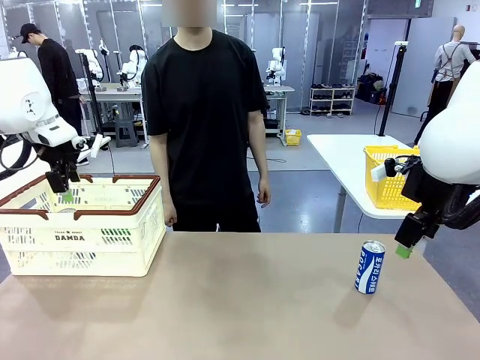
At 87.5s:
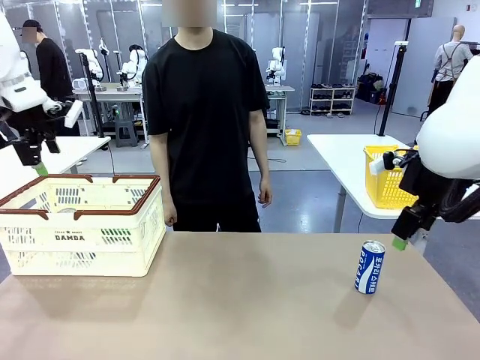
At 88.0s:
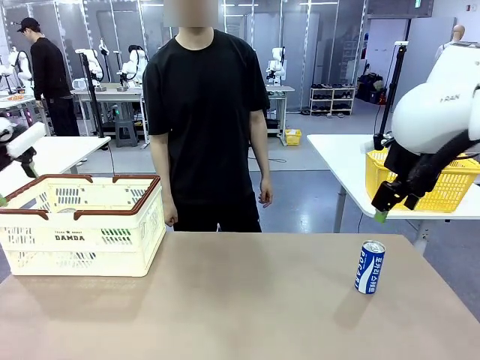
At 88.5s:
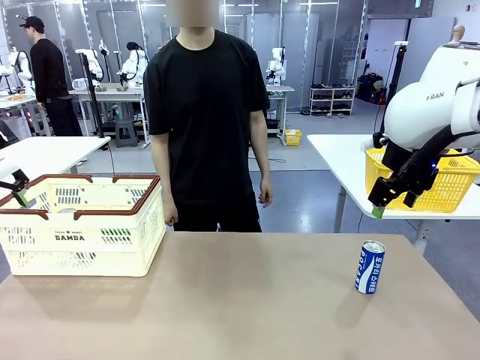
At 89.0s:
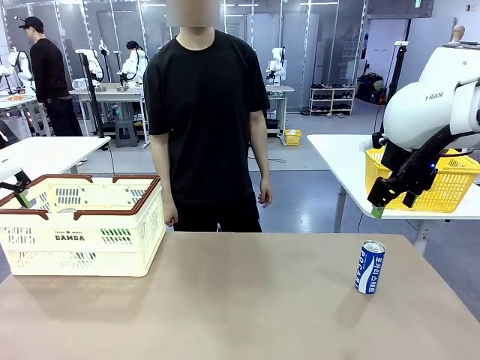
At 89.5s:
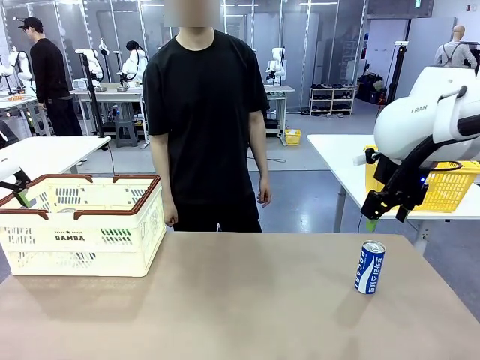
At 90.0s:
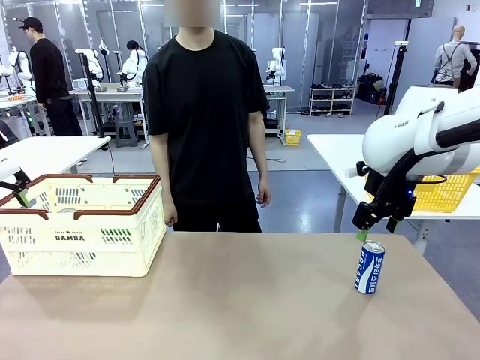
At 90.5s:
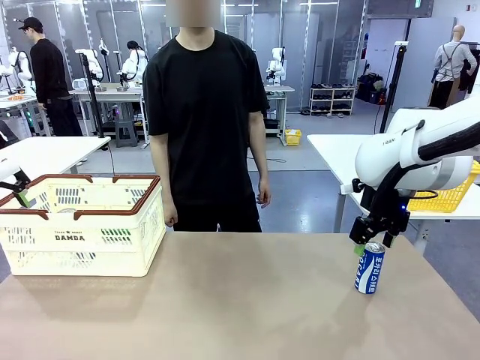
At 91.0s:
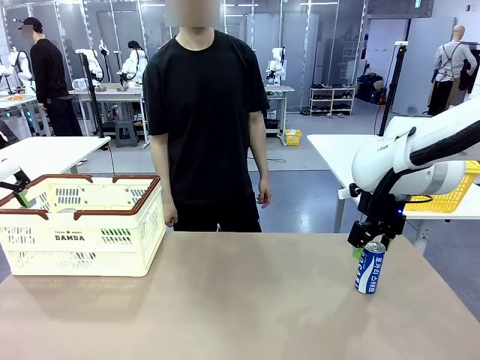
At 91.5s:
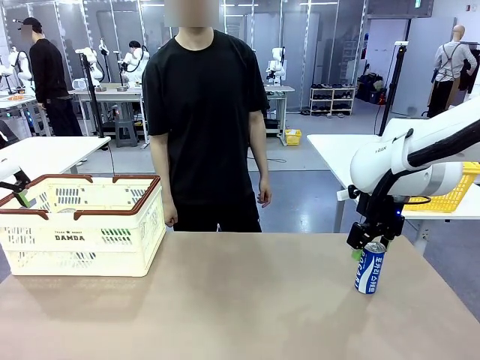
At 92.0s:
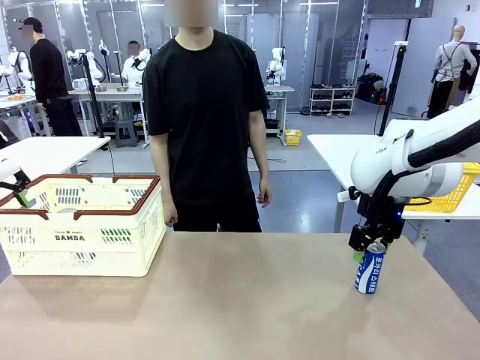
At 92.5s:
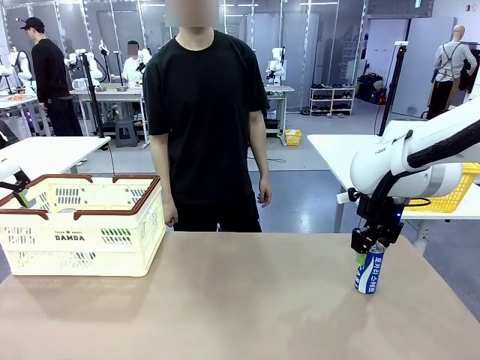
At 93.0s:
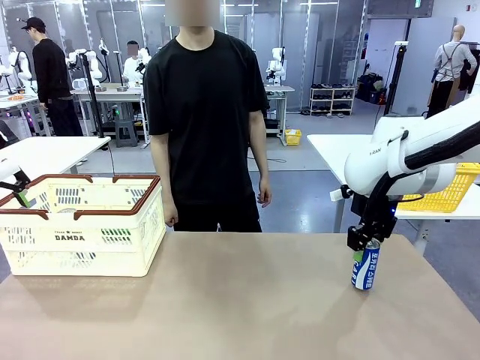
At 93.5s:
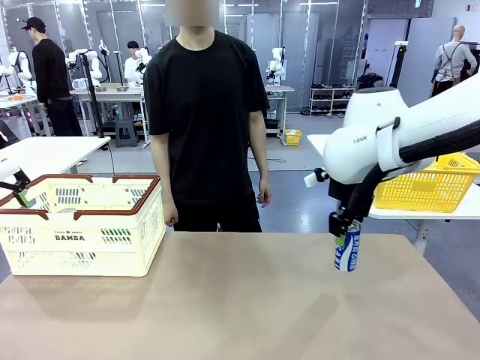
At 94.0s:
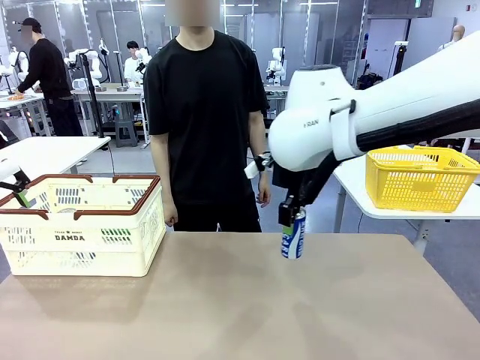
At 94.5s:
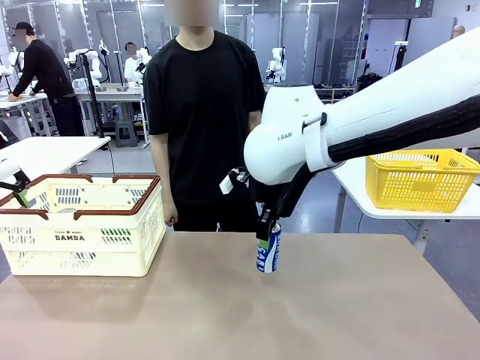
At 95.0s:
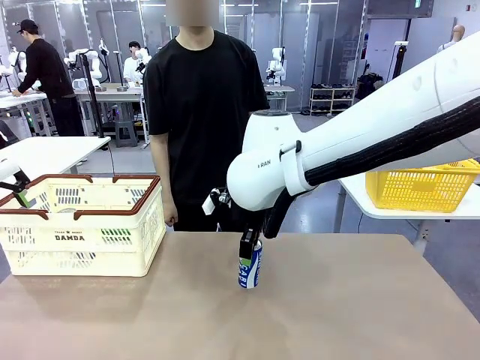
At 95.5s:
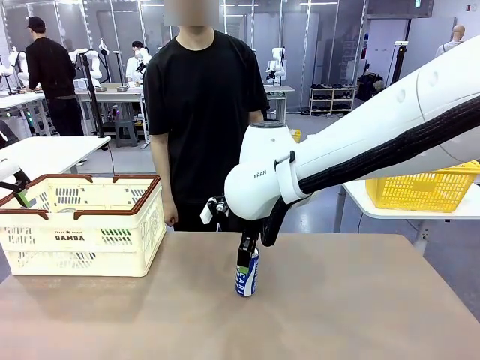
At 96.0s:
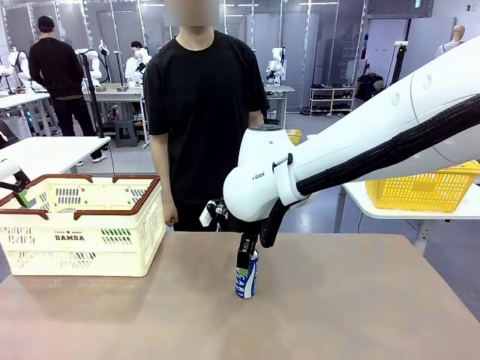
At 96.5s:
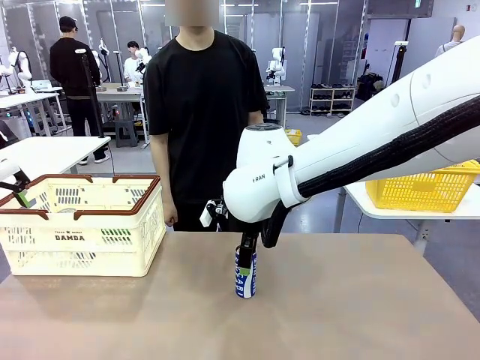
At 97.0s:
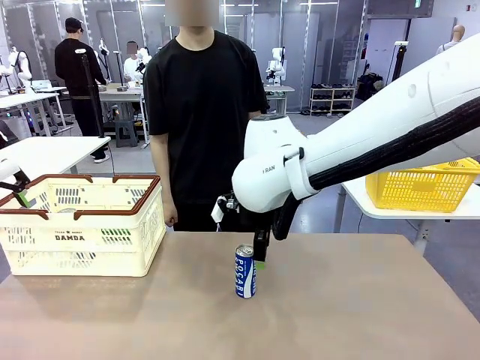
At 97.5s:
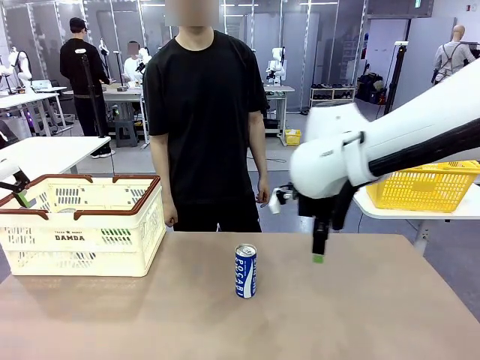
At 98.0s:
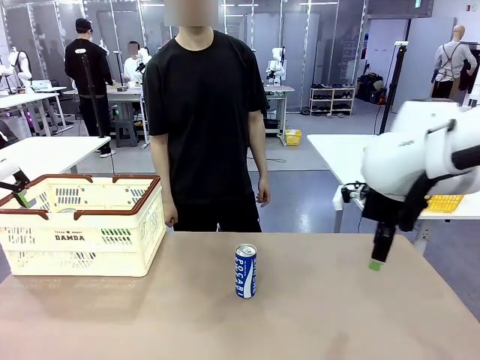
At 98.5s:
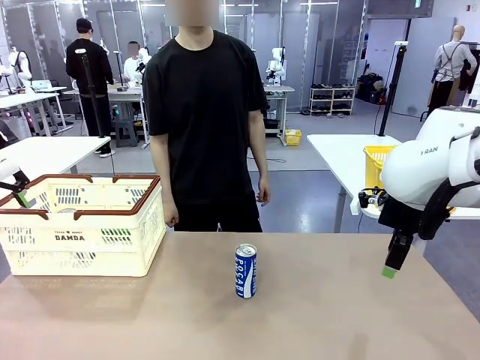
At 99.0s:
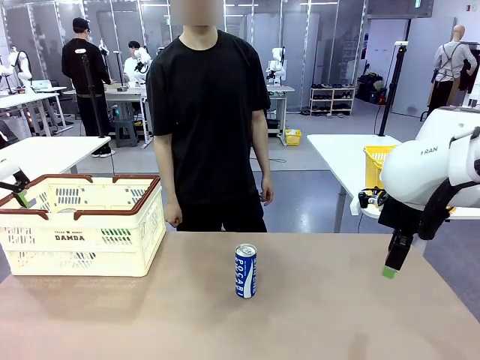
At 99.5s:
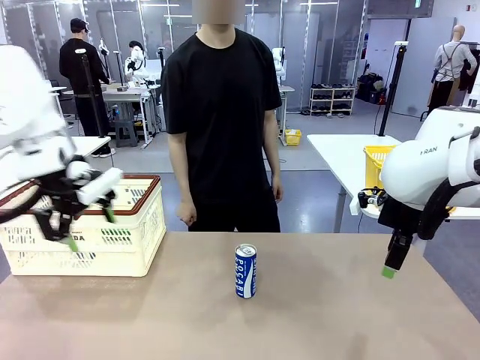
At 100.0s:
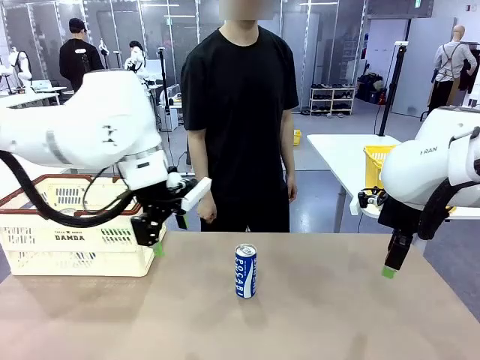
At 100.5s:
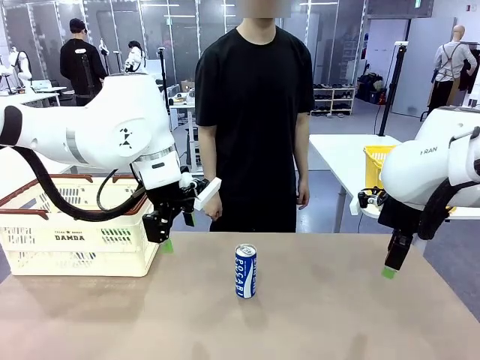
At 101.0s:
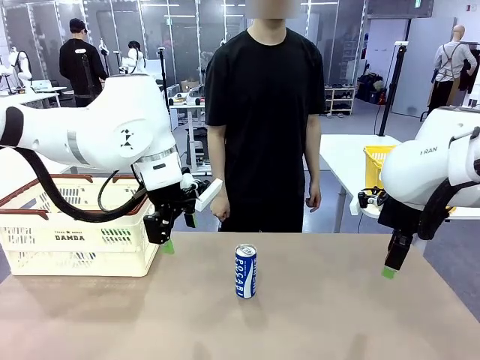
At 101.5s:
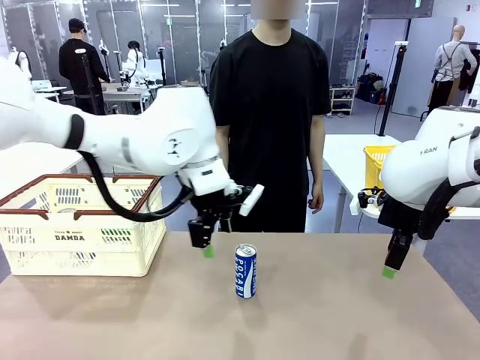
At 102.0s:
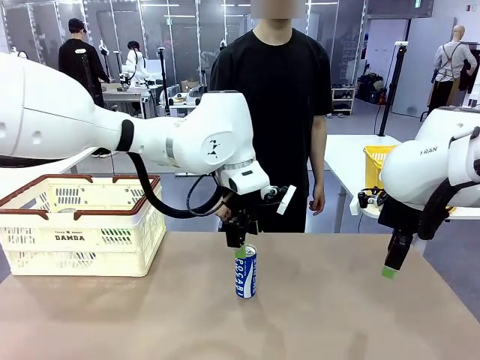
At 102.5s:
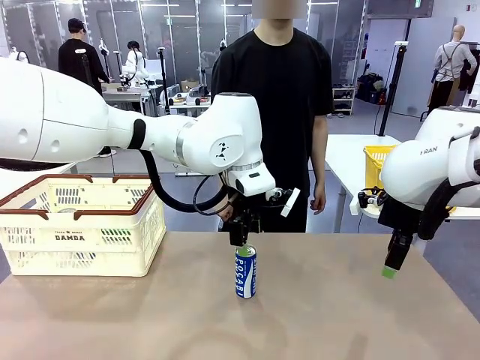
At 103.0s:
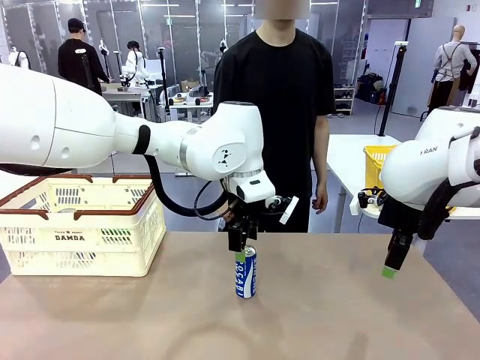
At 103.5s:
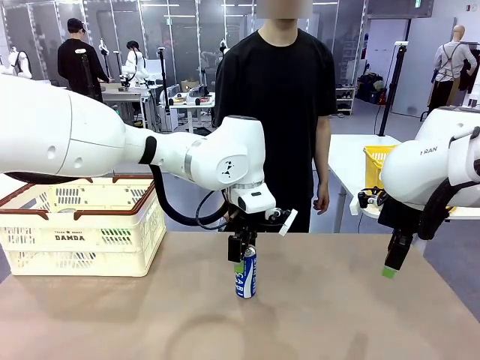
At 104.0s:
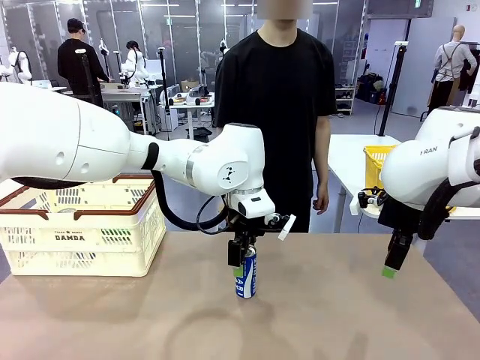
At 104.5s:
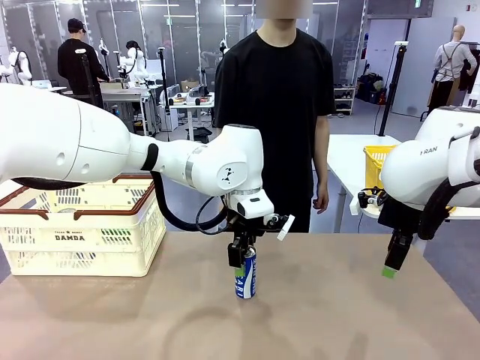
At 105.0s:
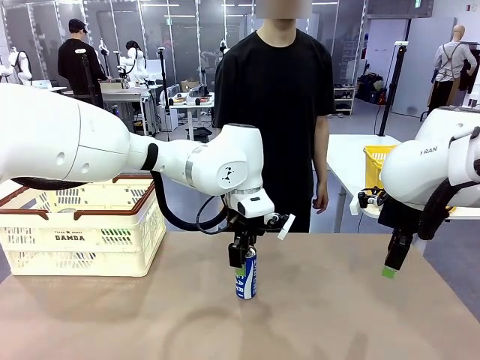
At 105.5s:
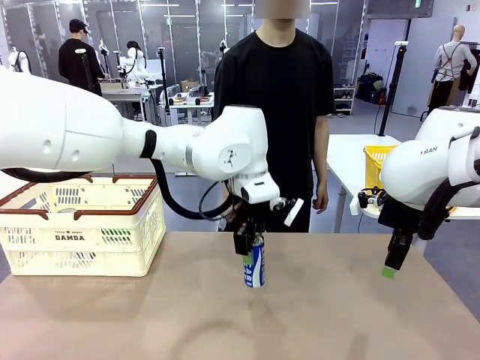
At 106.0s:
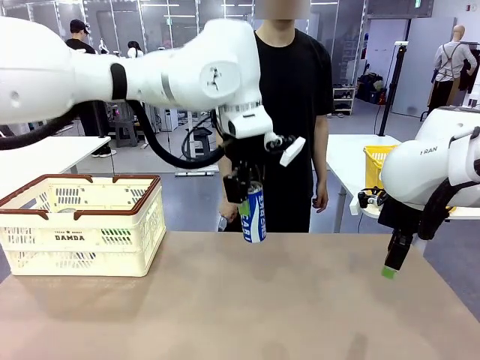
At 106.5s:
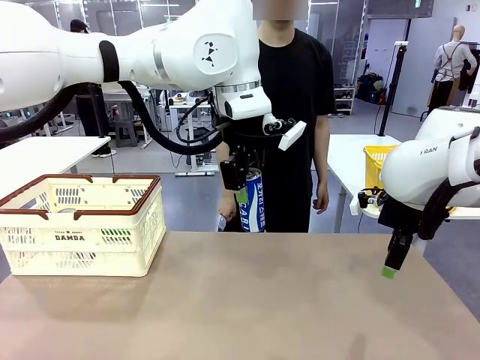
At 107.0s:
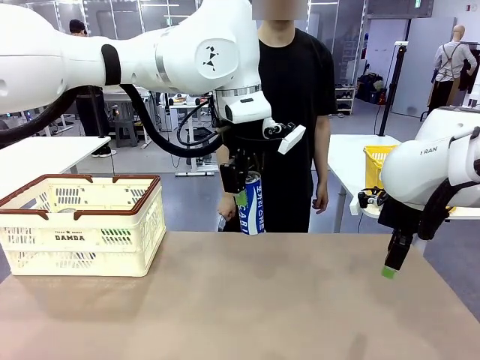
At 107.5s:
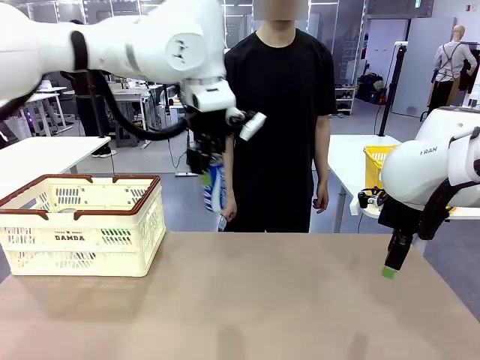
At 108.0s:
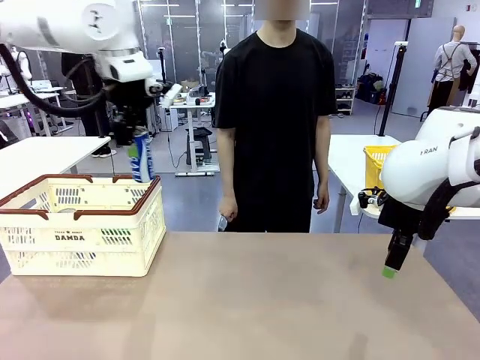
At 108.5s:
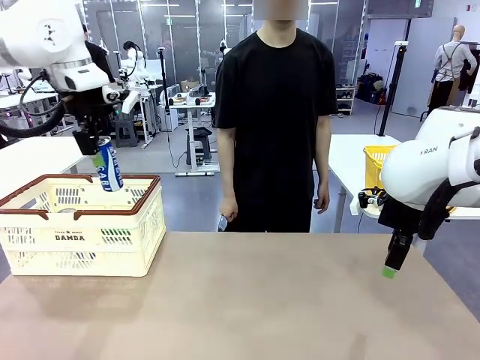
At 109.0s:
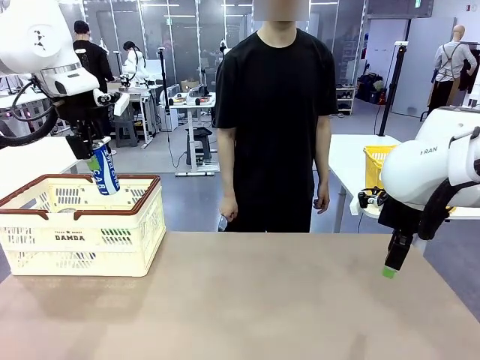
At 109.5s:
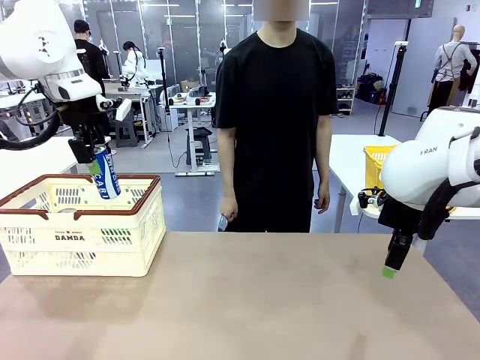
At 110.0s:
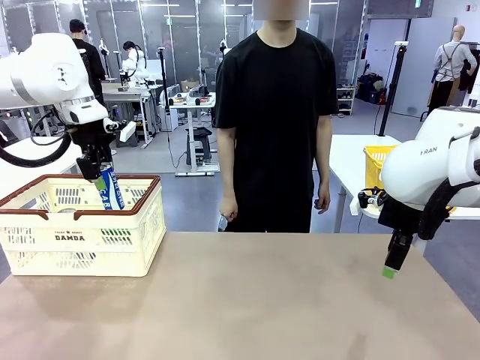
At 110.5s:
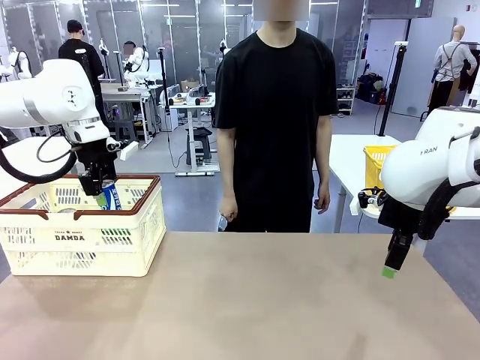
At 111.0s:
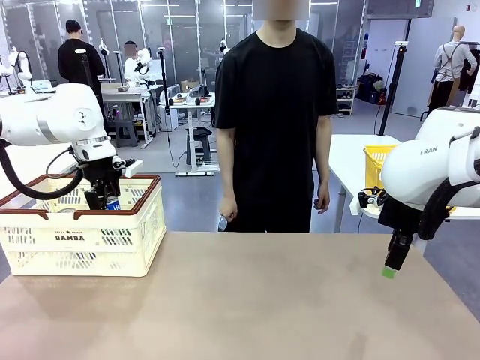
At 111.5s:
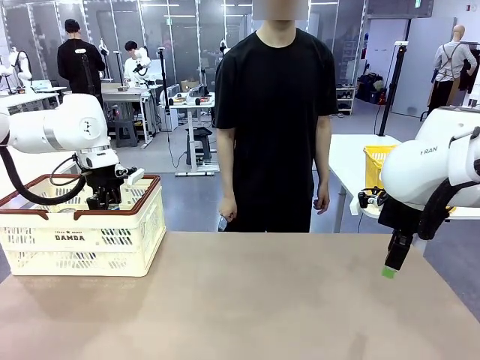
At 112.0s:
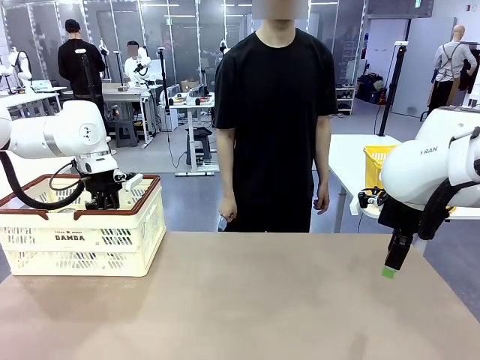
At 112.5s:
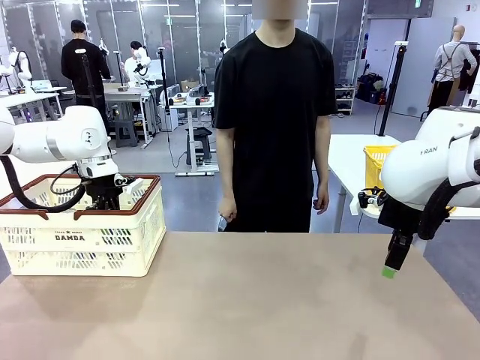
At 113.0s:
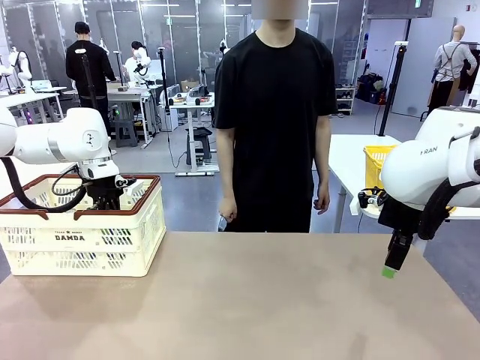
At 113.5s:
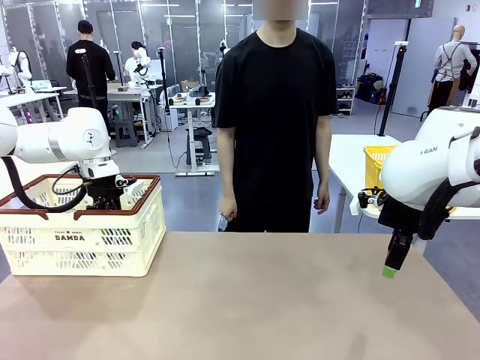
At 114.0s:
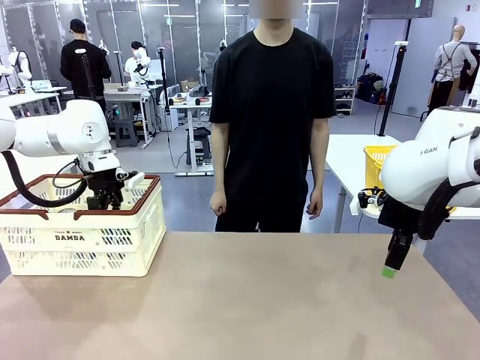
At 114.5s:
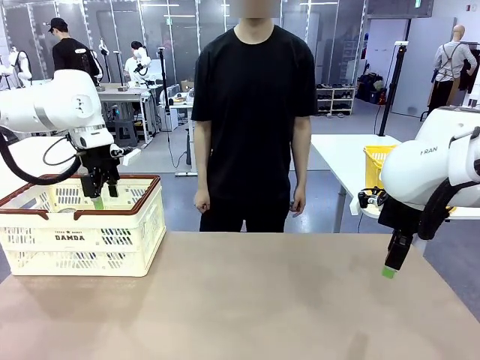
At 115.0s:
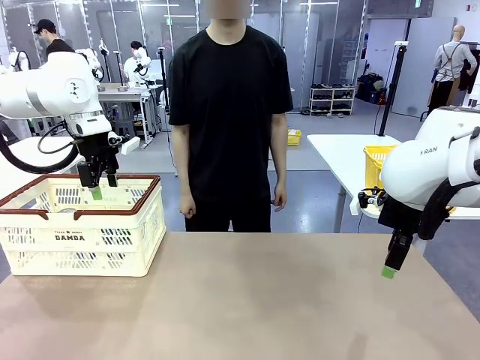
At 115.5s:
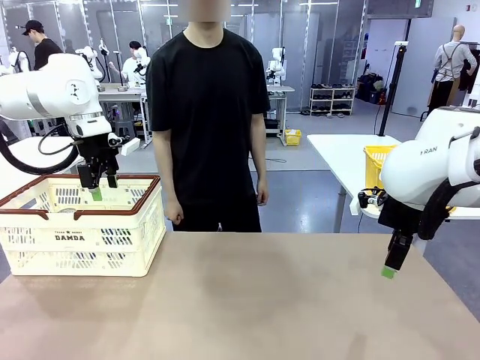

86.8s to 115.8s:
Task: Place the drinks into the Shopping basket.
Robot: Pick up one drink and place it into the Shopping basket.
